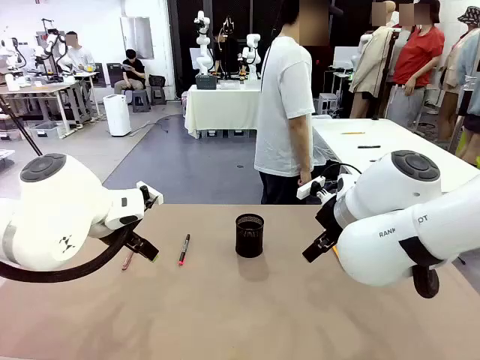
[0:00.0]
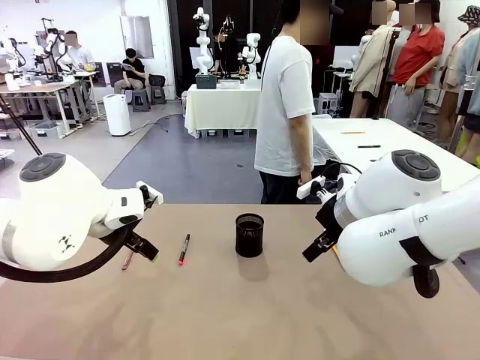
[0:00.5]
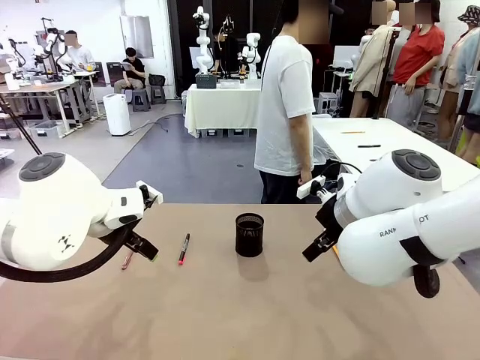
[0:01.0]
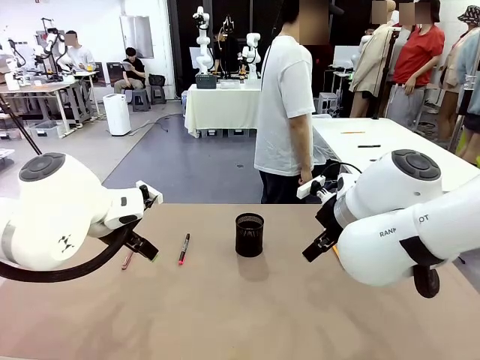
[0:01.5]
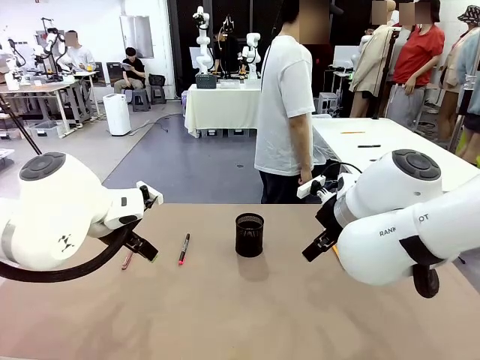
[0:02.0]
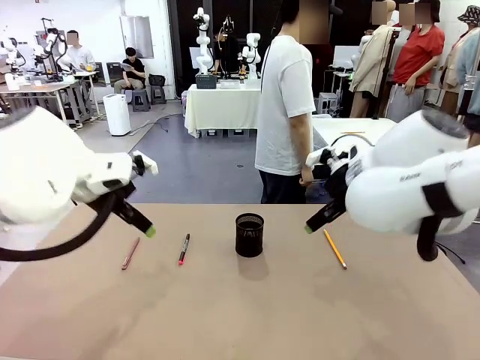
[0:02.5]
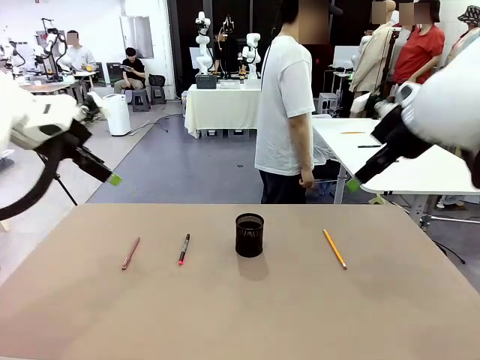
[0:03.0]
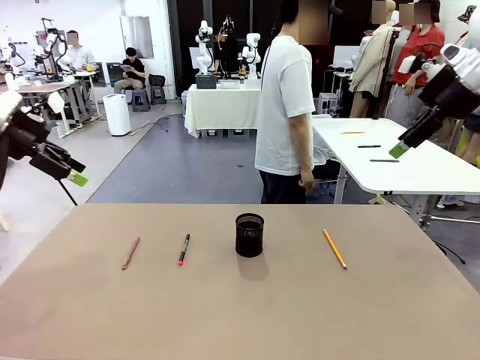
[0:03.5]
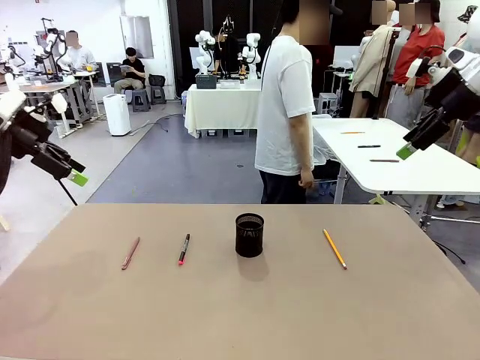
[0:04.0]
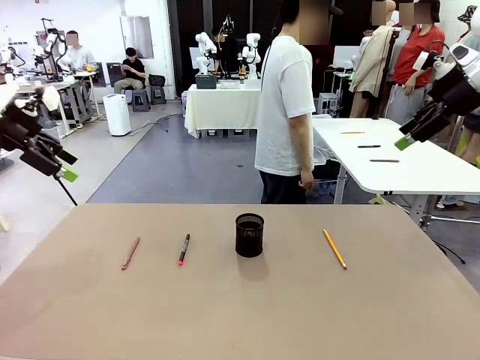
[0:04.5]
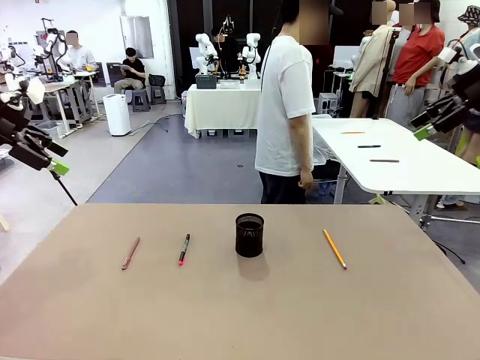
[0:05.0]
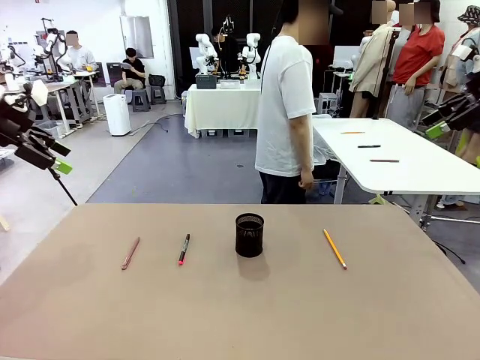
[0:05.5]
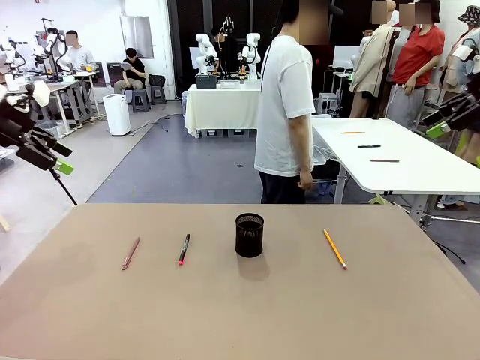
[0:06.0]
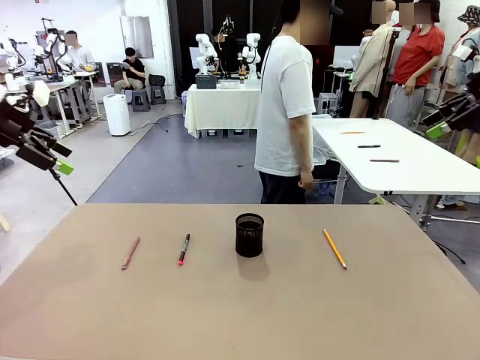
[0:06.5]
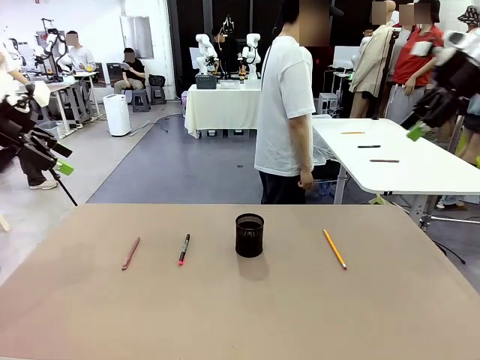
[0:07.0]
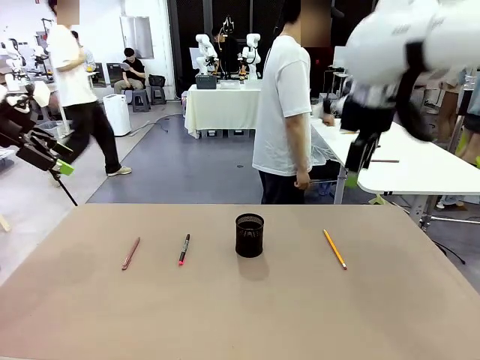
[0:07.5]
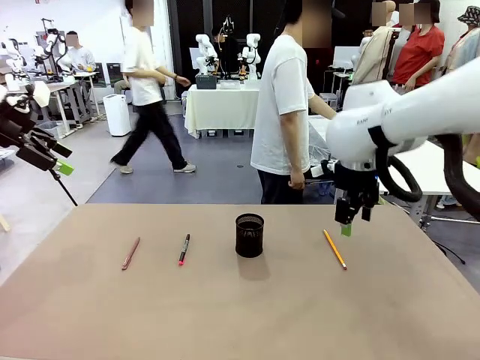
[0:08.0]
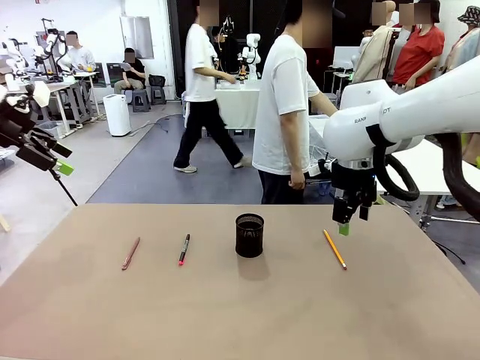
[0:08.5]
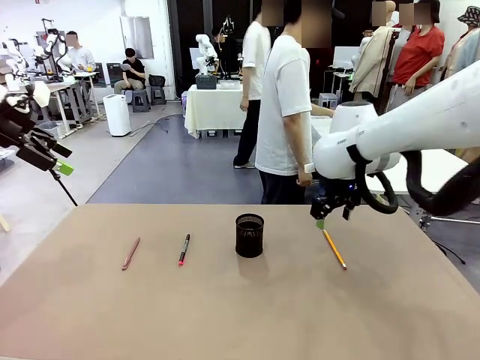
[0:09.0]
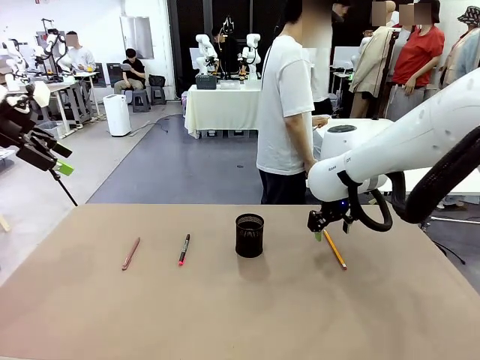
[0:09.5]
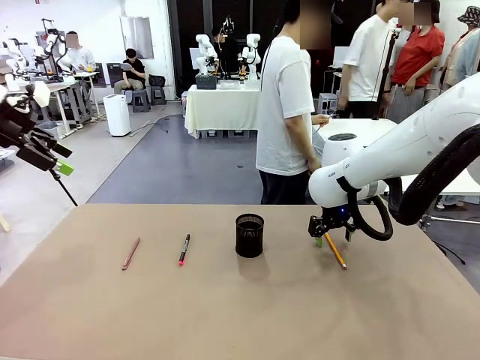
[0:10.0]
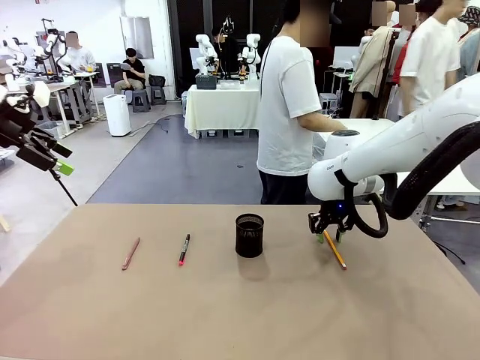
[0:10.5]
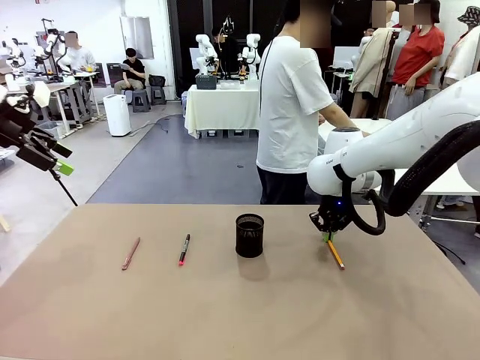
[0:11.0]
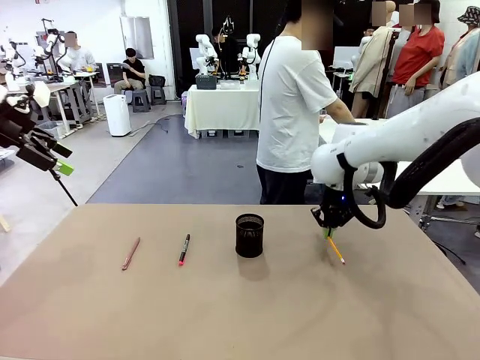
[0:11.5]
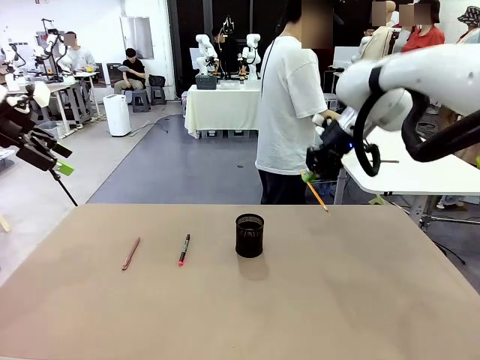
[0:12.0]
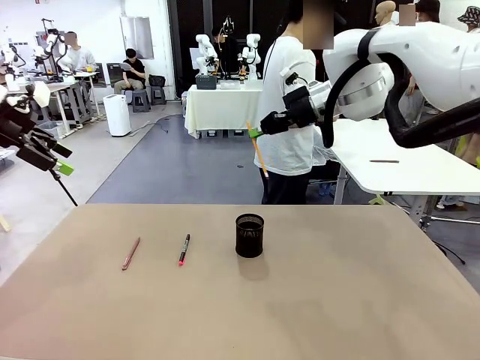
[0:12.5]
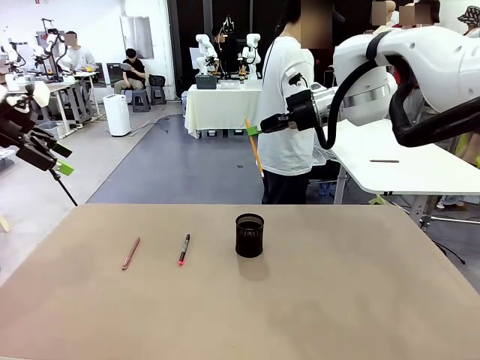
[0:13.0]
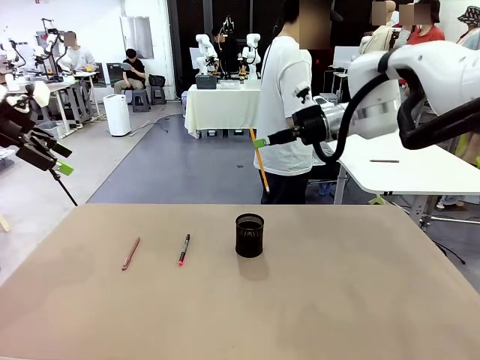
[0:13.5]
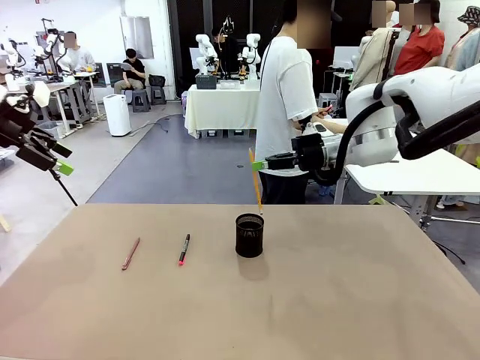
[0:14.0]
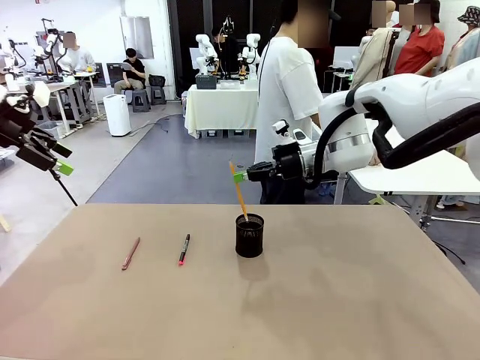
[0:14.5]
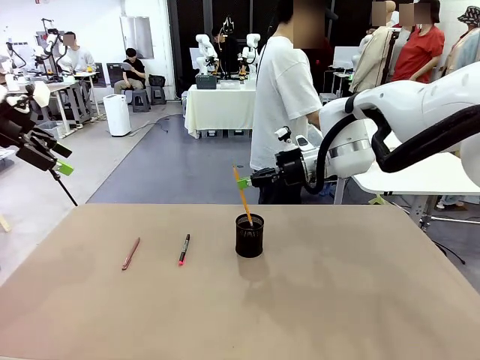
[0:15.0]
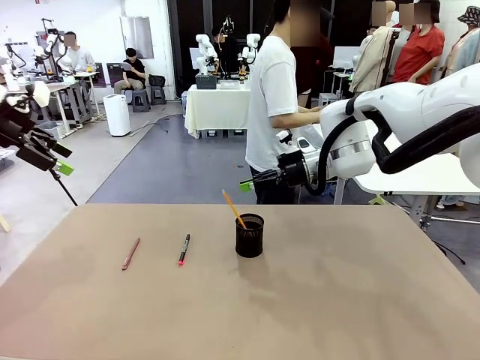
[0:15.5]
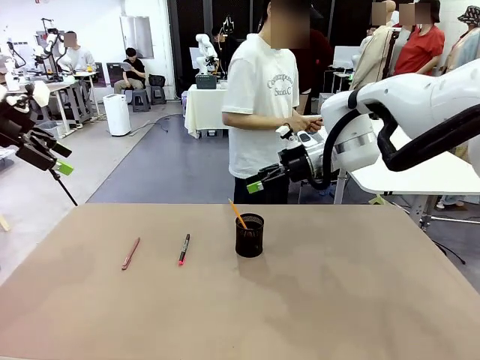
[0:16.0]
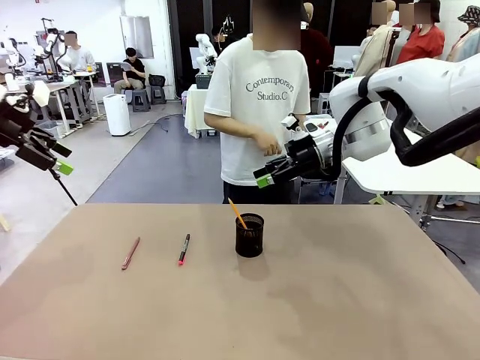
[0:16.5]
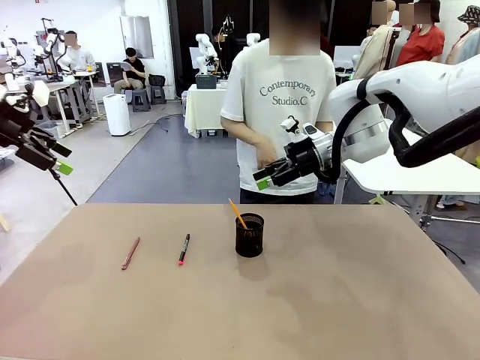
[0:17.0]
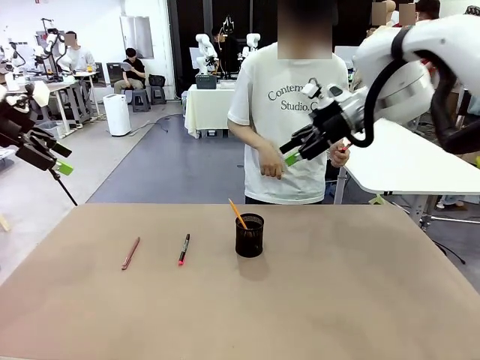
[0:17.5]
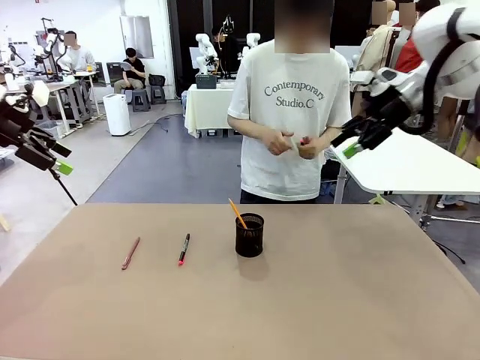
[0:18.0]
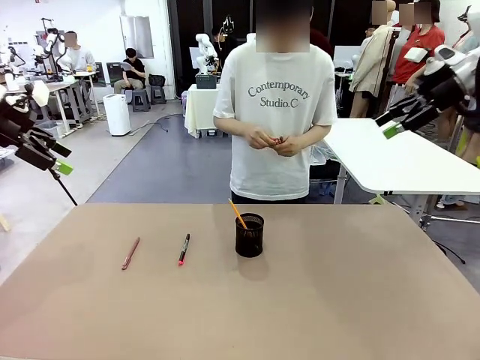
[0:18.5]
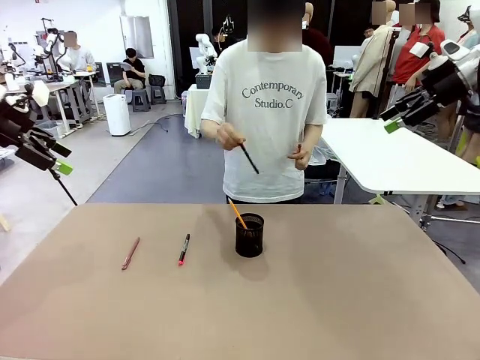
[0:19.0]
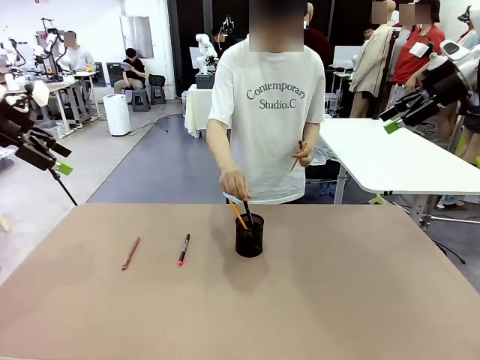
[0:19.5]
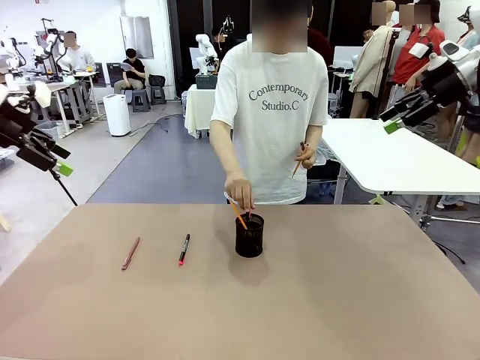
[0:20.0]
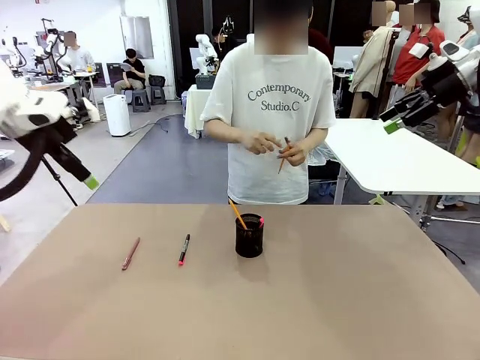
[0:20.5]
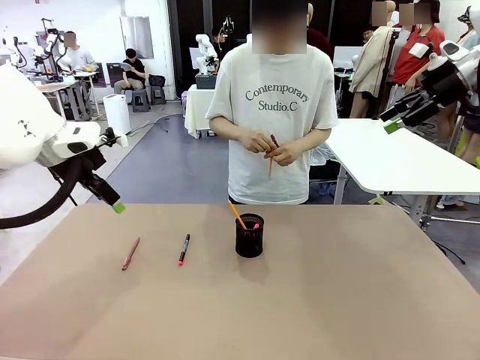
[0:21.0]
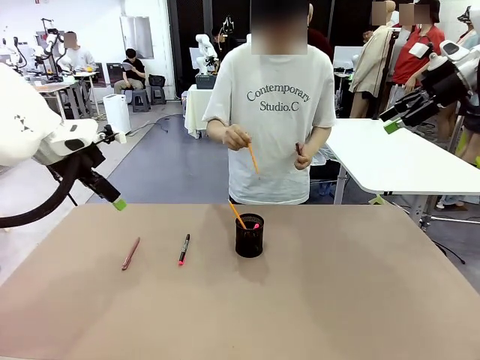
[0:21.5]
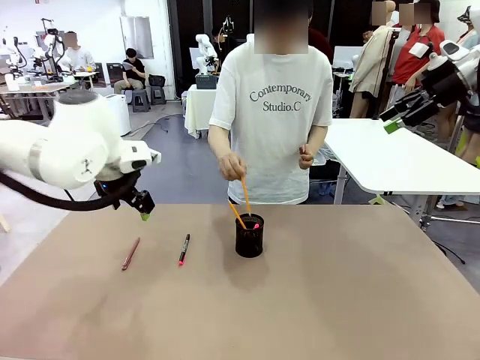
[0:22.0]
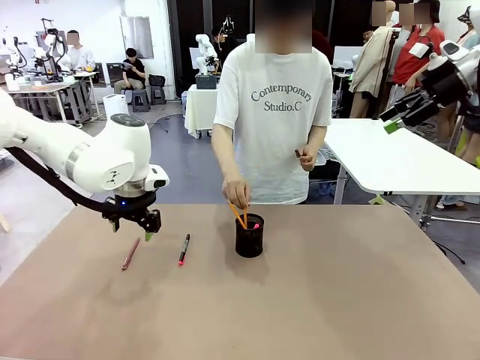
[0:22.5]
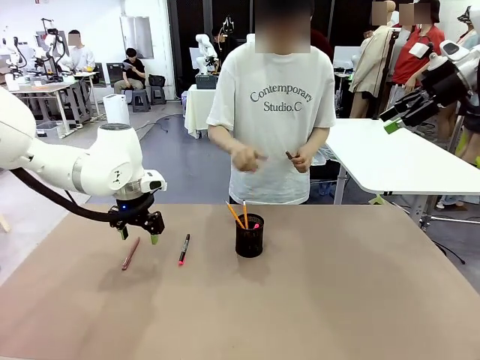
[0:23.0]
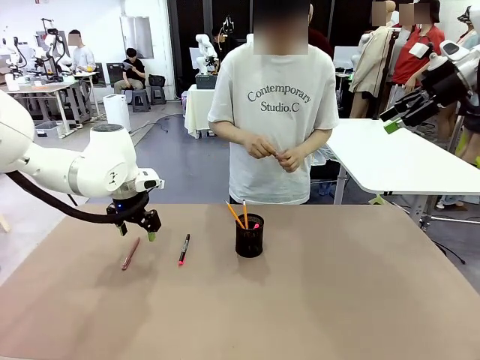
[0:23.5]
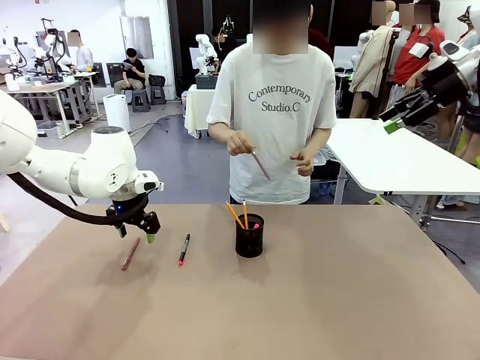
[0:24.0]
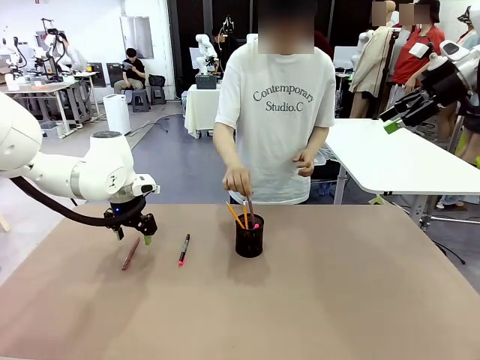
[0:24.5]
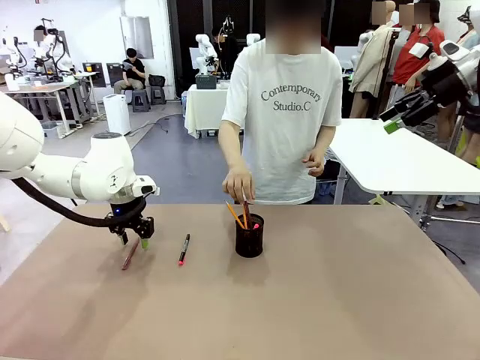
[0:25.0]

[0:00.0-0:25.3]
Task: Place the pens into the pen holder.
Robot: Pick up a writing instrument from the table and place it into the Pen holder.
Person: Pick up all writing instruments from the Human table.
